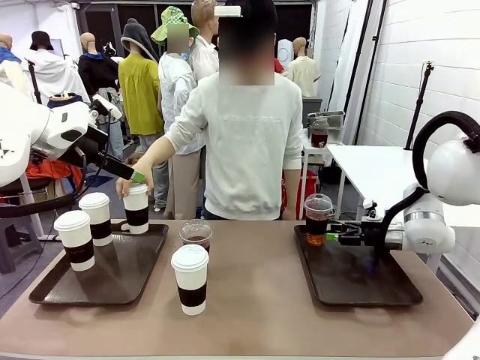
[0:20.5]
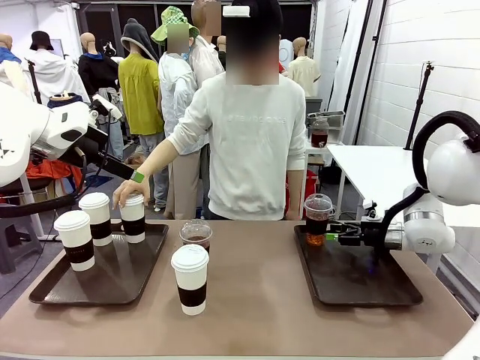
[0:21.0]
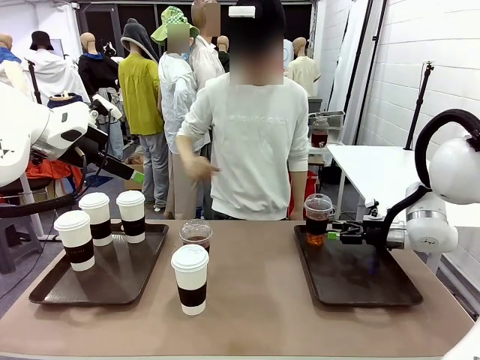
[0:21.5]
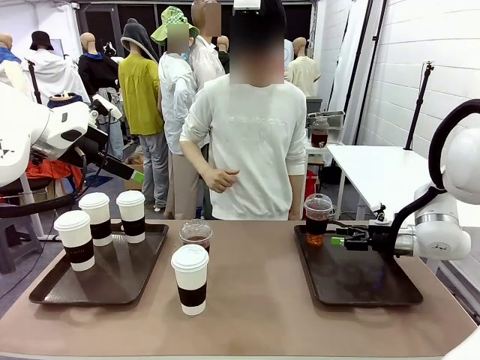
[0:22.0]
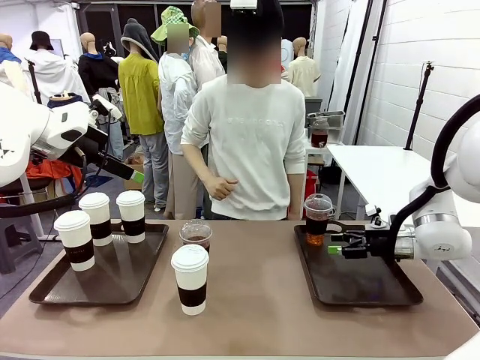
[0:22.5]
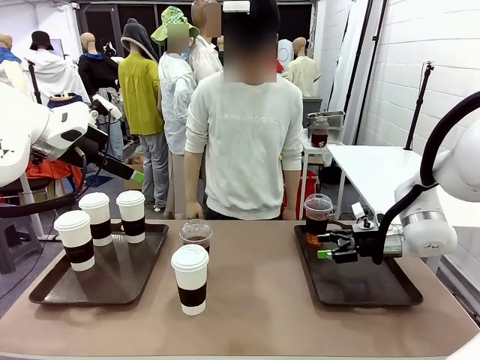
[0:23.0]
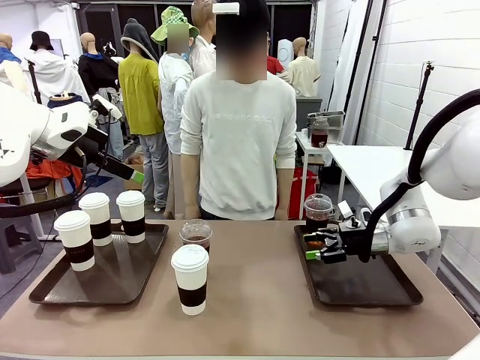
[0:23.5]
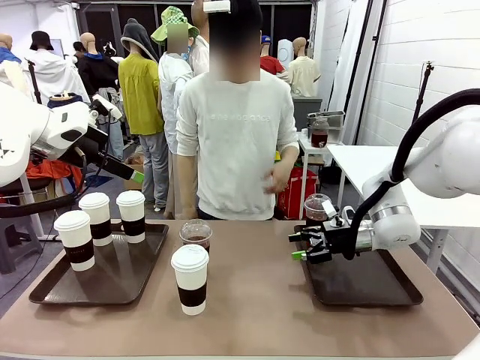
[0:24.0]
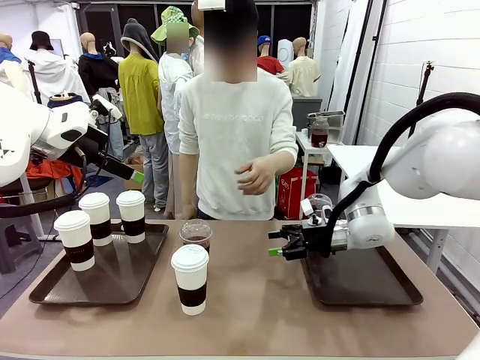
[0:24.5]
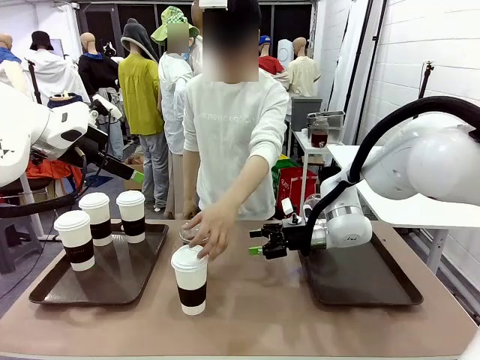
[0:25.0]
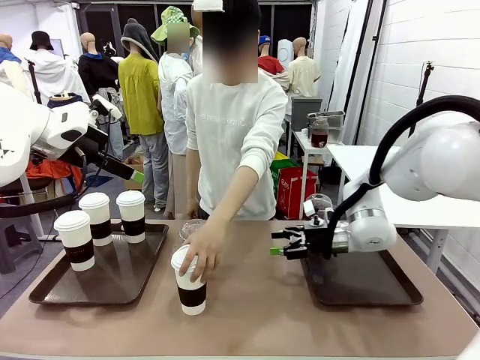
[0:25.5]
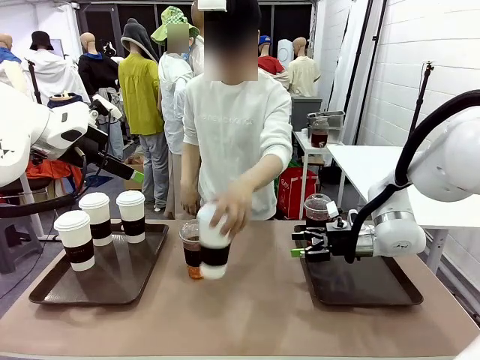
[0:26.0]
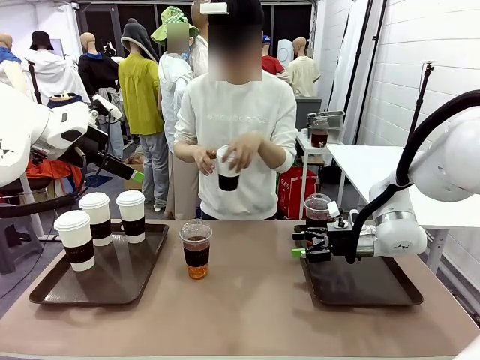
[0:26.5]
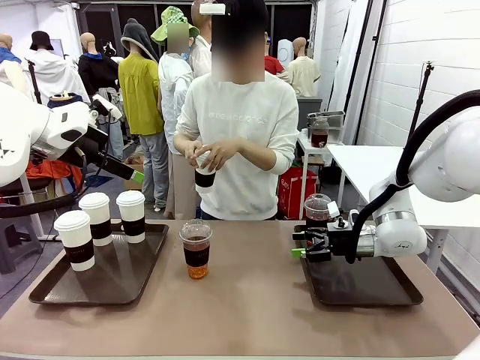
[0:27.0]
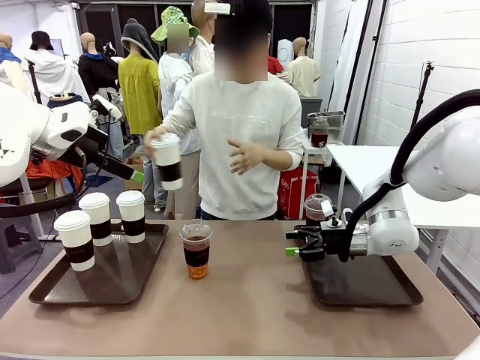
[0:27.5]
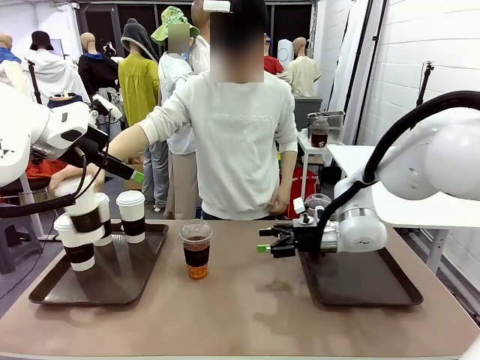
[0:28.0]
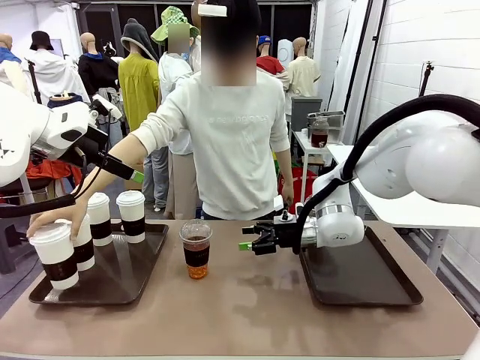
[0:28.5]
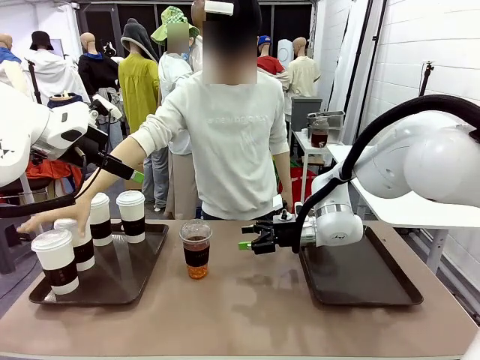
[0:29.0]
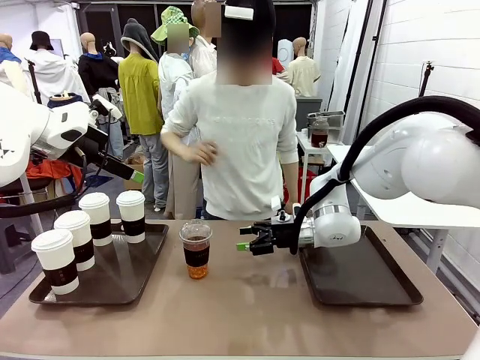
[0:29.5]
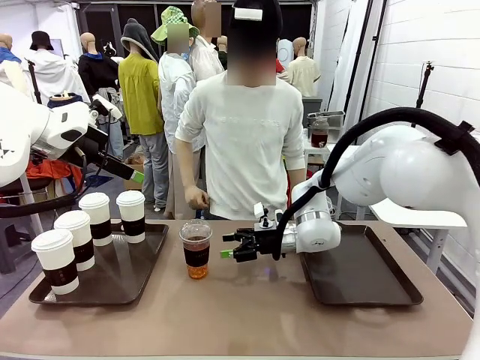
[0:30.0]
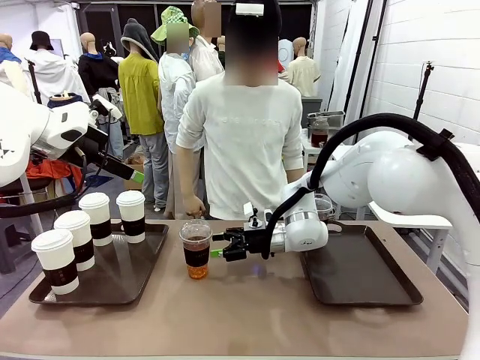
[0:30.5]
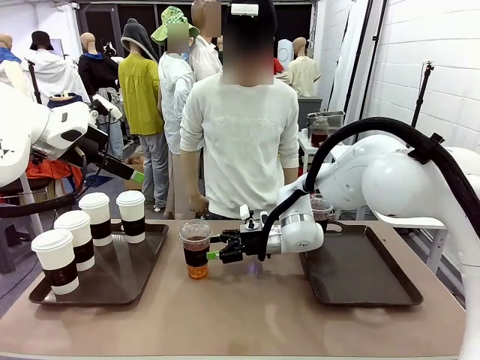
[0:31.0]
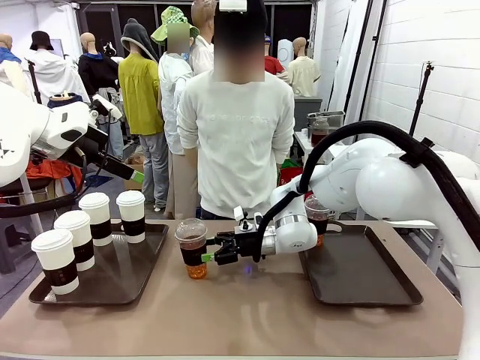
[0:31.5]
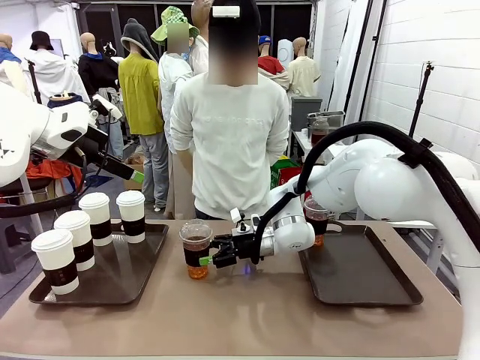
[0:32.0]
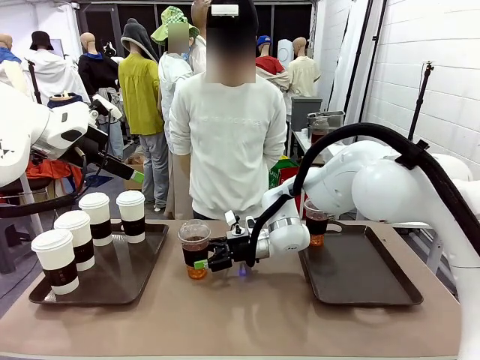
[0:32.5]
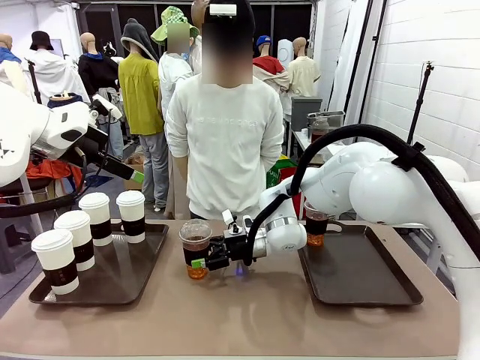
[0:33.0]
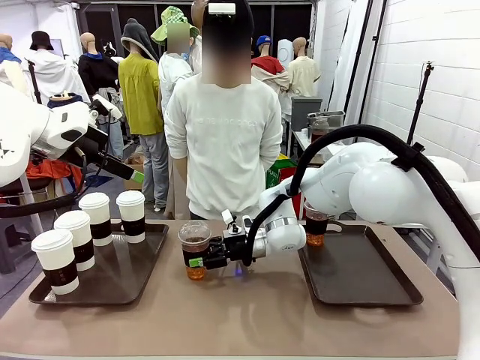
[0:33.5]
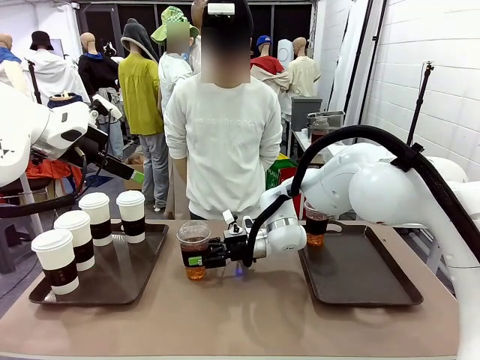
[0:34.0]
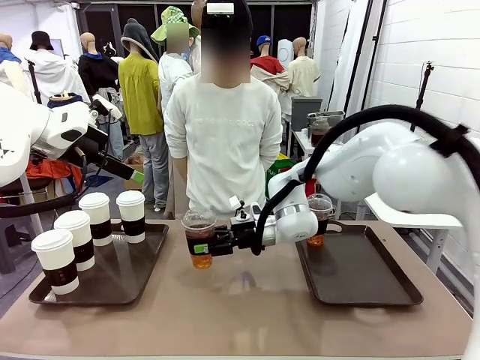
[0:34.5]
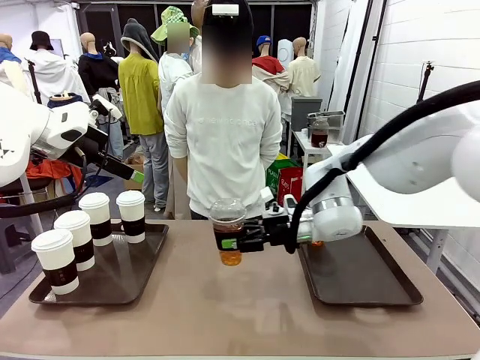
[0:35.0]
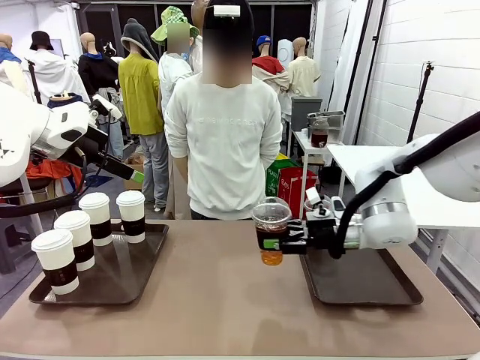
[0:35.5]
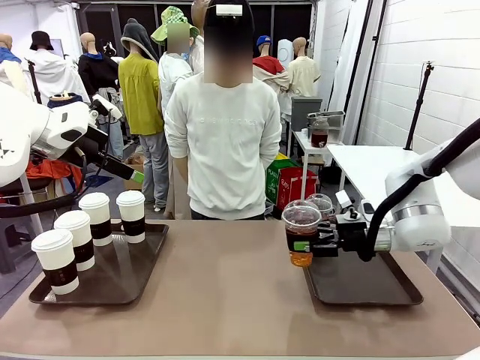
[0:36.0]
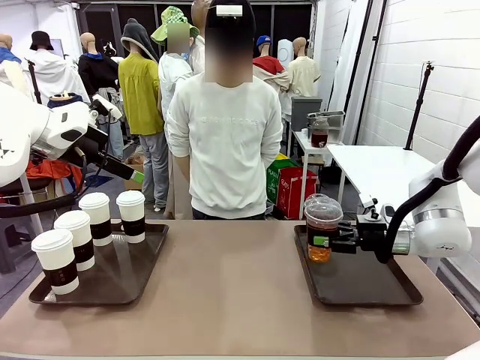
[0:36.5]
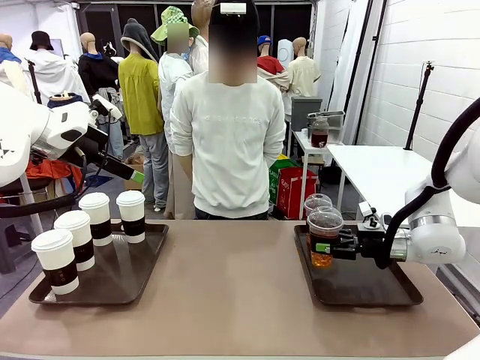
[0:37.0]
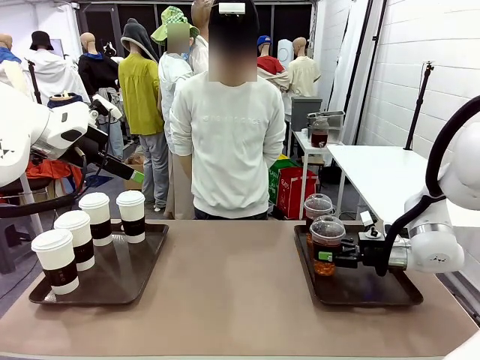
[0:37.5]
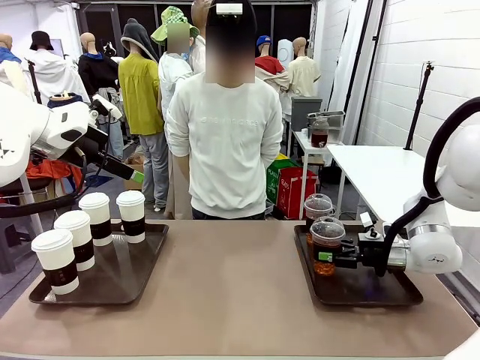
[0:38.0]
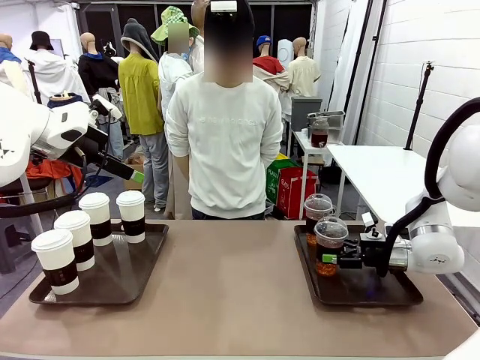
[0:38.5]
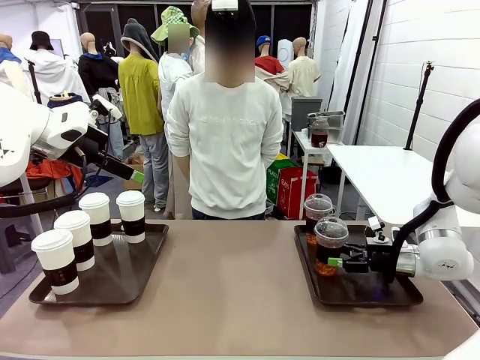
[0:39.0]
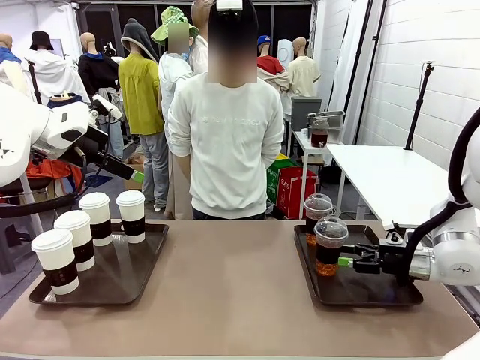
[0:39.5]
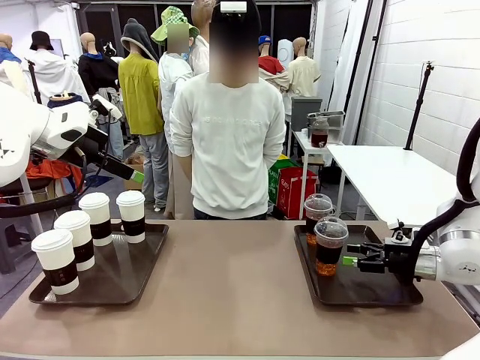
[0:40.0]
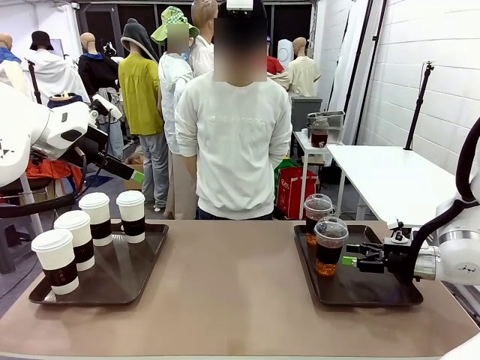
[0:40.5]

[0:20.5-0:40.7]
Task: Distribute the coffee onto the tray.
Robot: Pick up another iced Americano from the middle of the table and place it on the right Handle tray.
Person: Pick up a cup of hot Americano from the middle of the table and place it on the right tray.

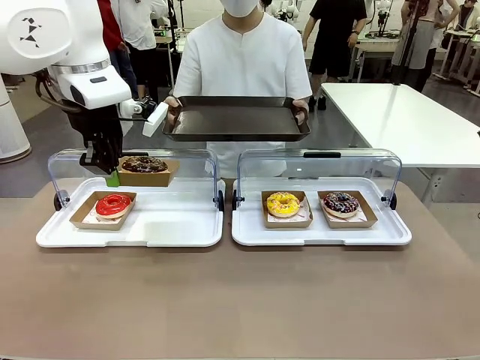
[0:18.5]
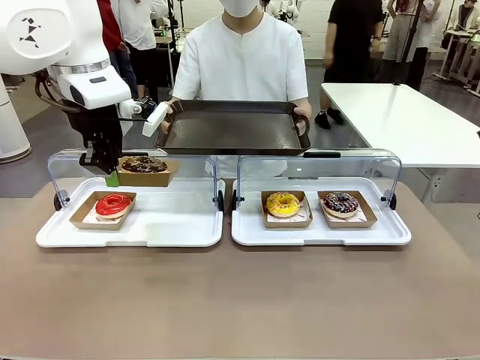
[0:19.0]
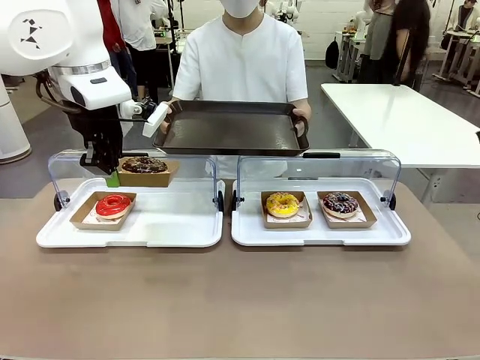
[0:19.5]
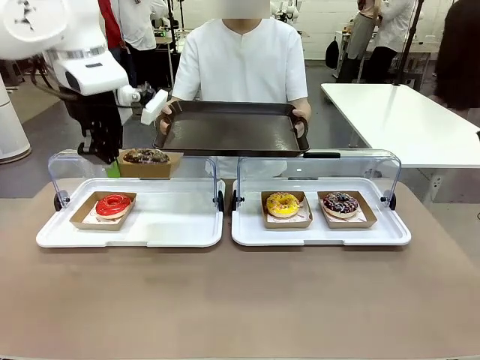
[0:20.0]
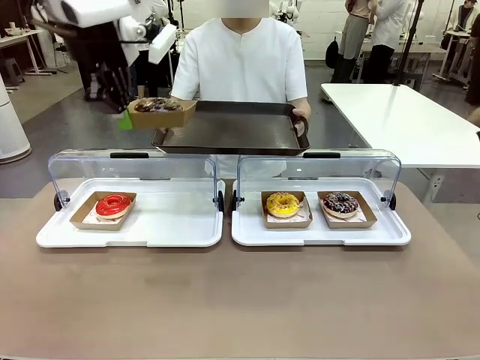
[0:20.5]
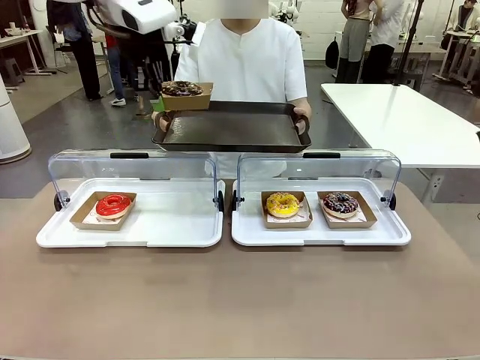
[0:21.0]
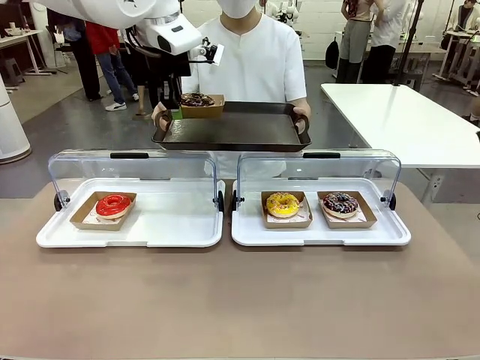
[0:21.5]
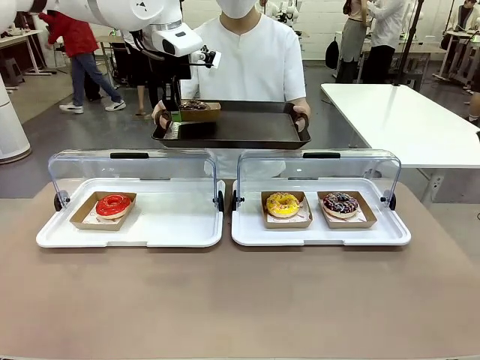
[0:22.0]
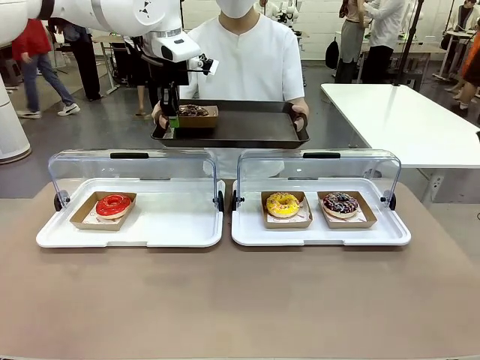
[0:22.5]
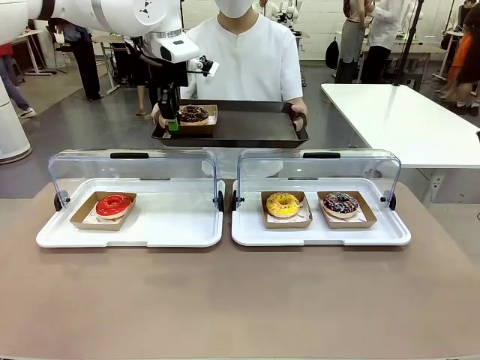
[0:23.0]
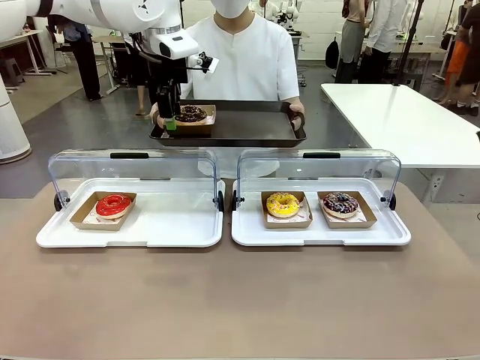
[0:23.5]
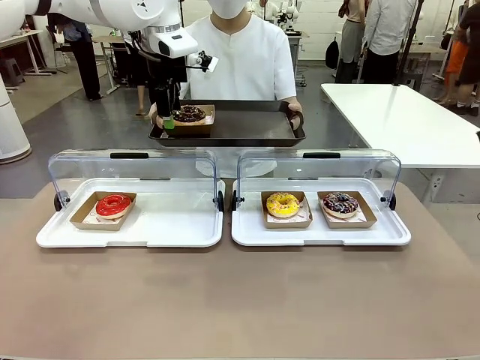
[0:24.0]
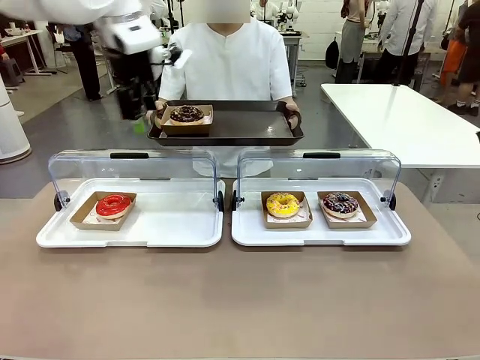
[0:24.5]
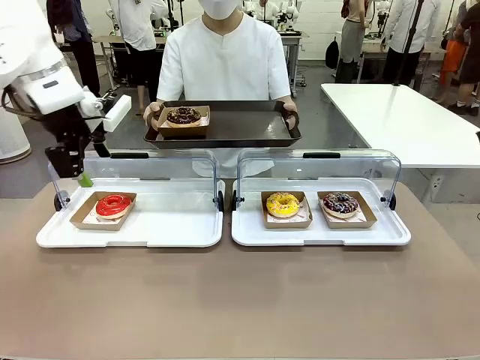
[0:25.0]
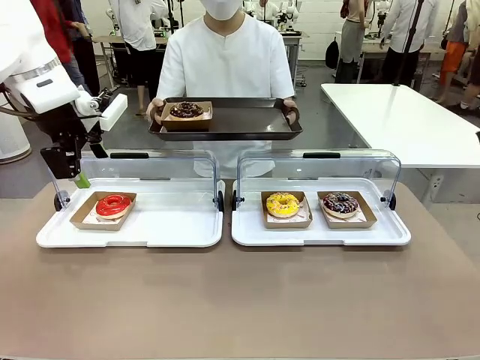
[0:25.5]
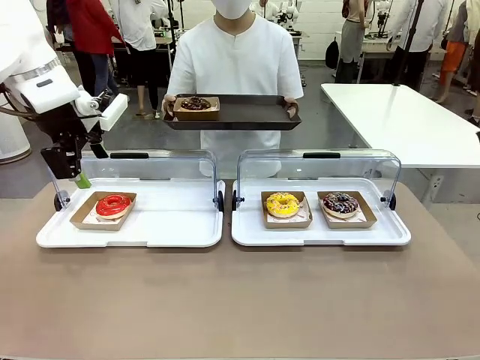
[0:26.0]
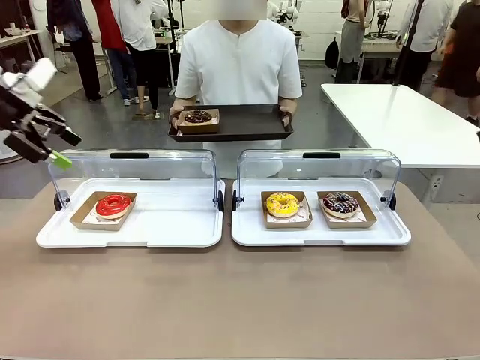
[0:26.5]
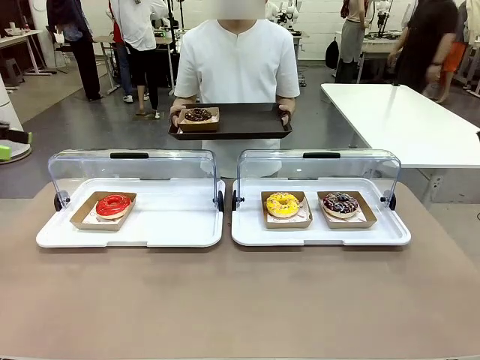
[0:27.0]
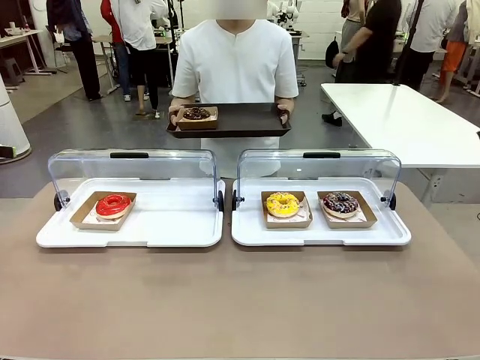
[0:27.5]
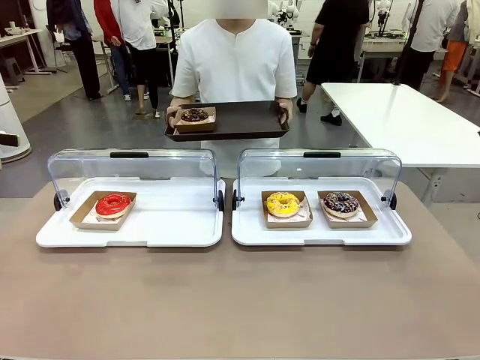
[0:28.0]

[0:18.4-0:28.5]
Task: Provide the desired donut to the person.
Robot: Place the picked Paper togo box onto the Handle tray extended by the person.
Person: Point to one donut.
